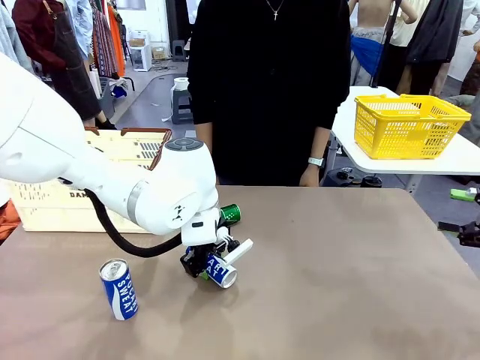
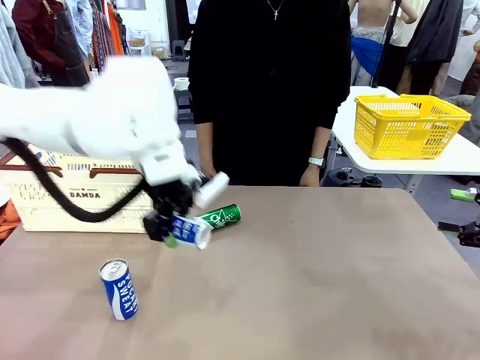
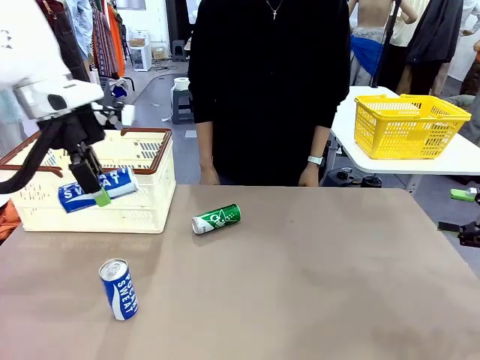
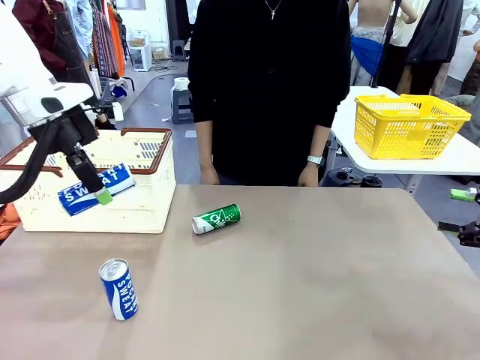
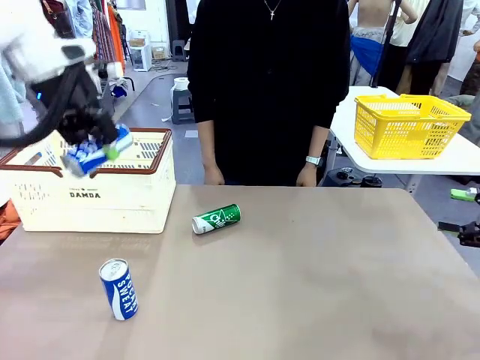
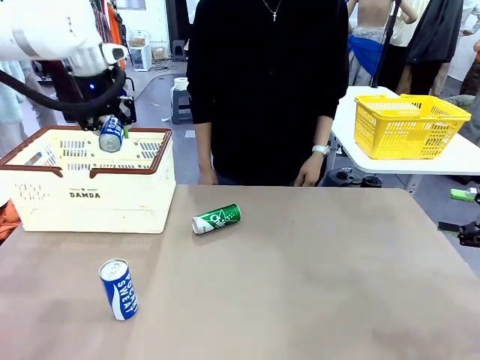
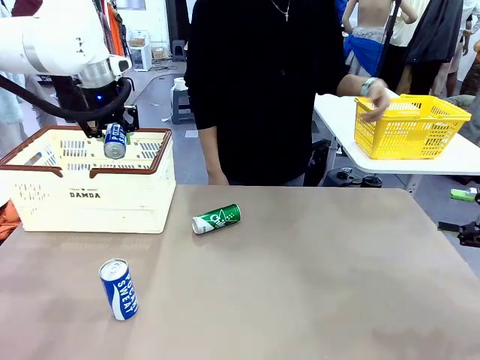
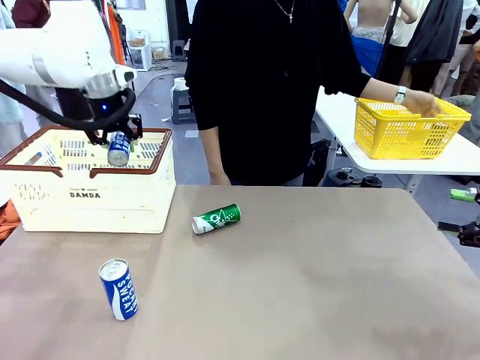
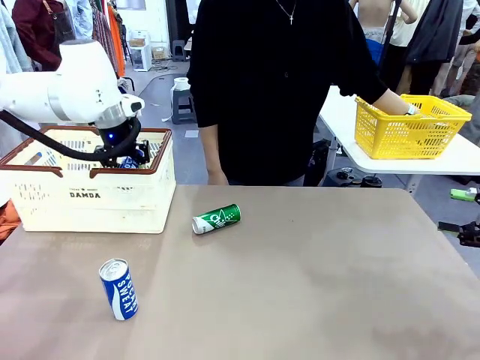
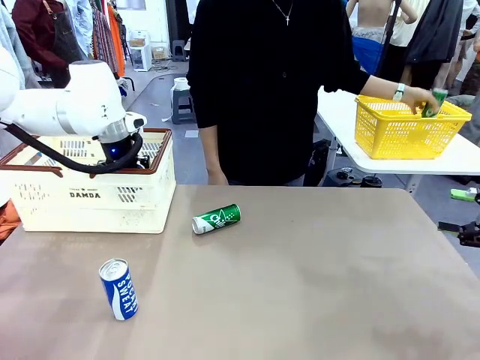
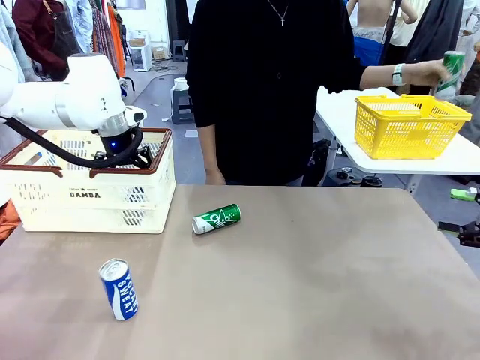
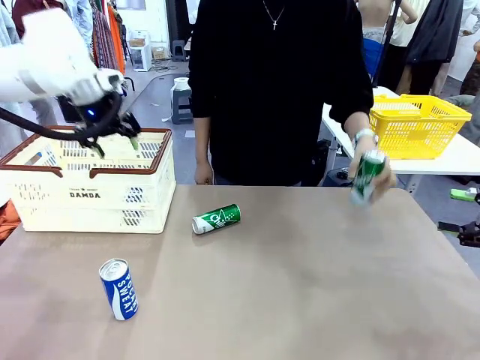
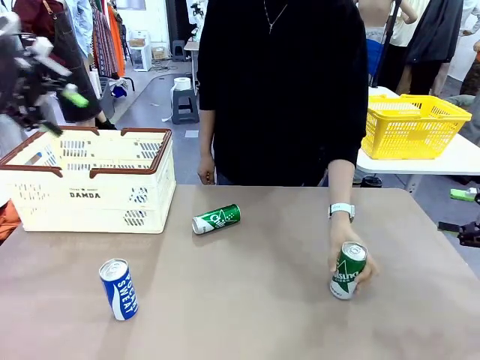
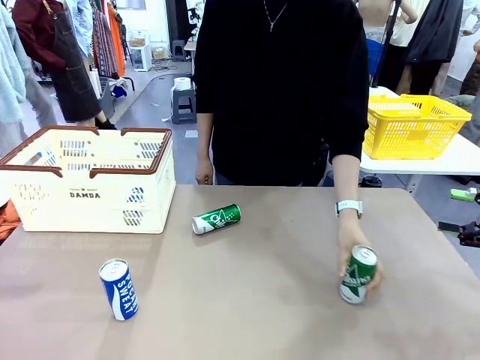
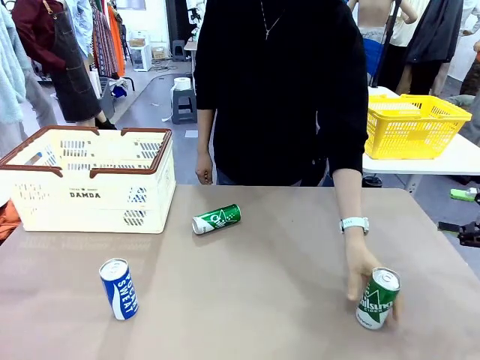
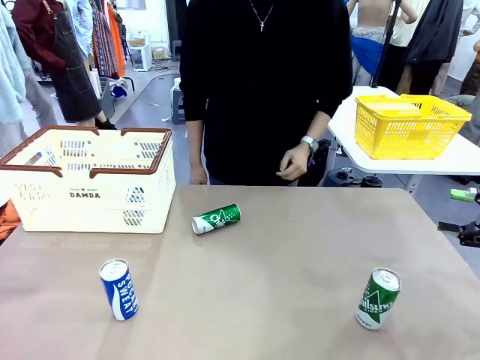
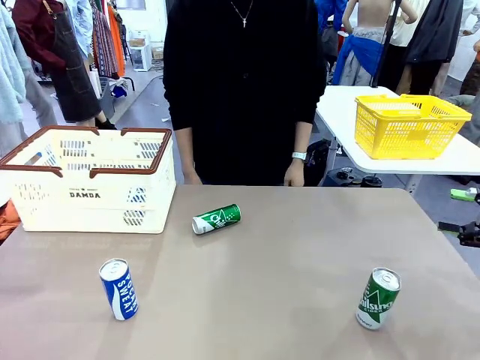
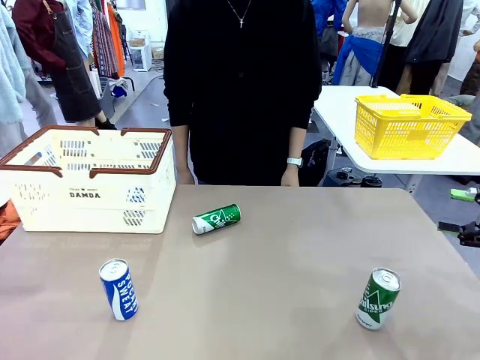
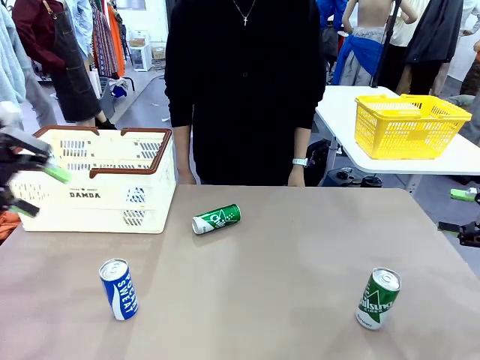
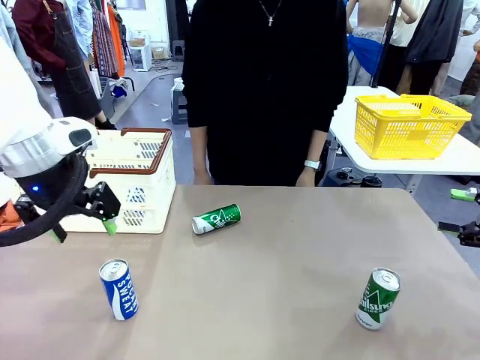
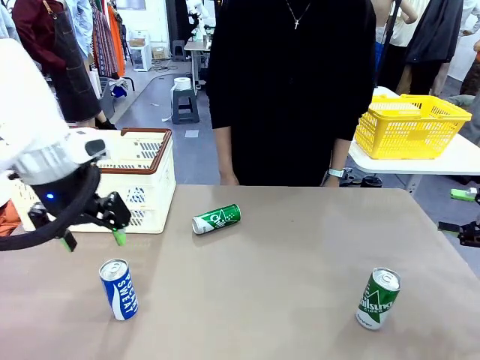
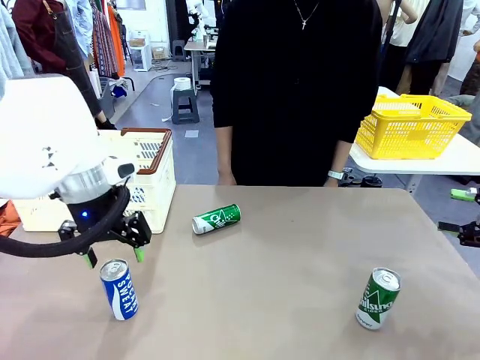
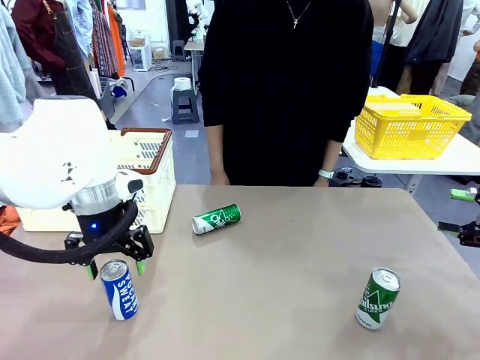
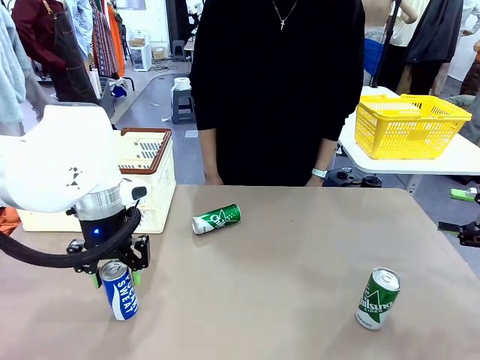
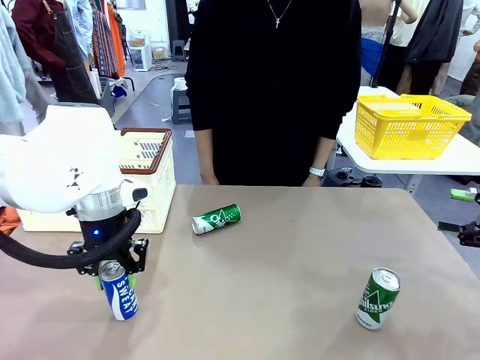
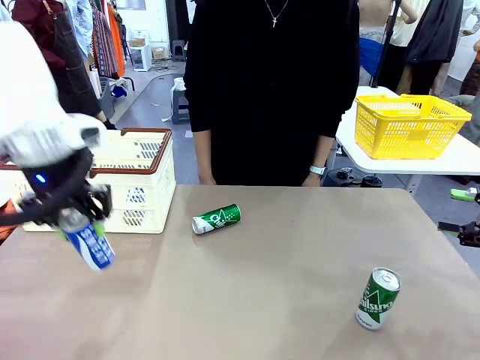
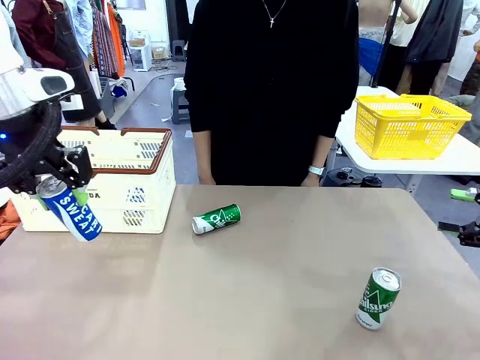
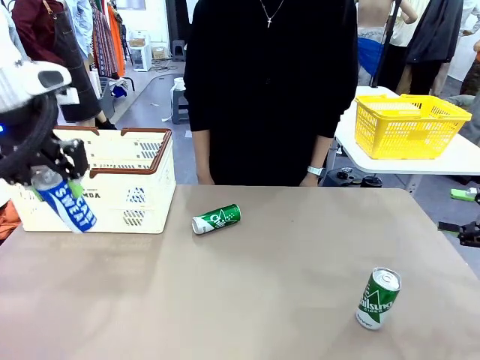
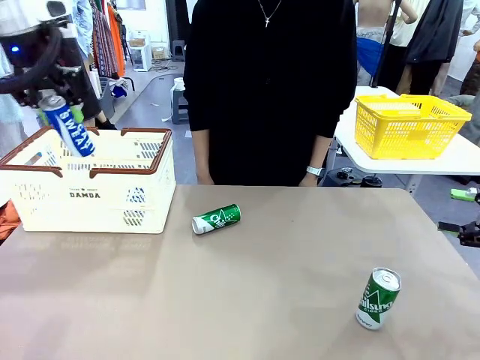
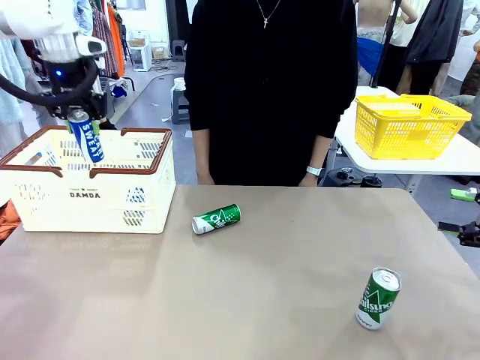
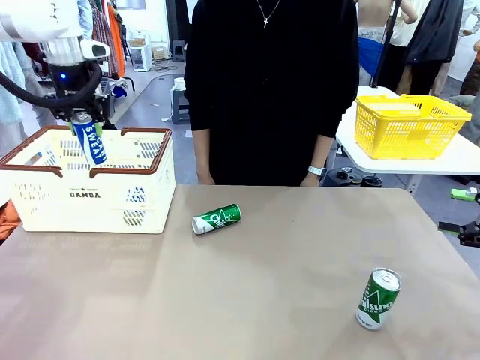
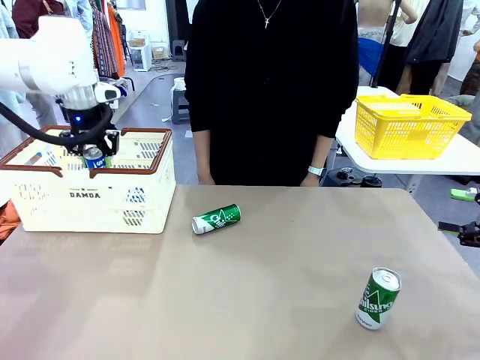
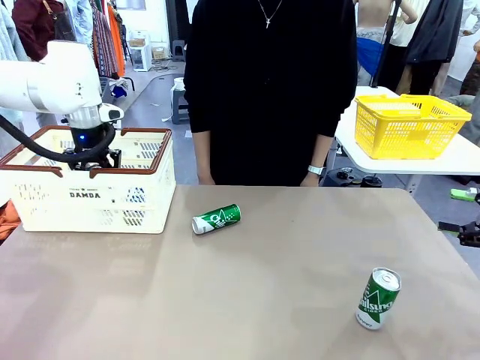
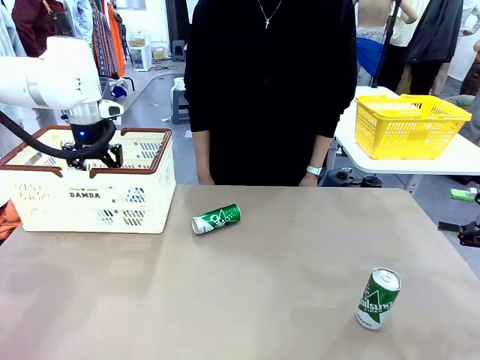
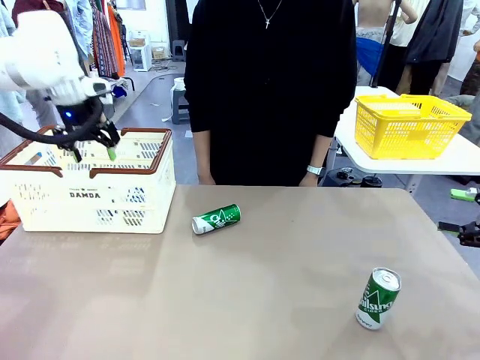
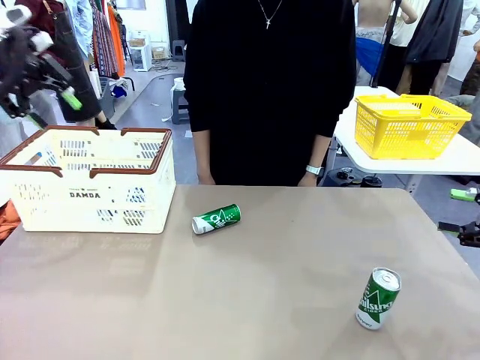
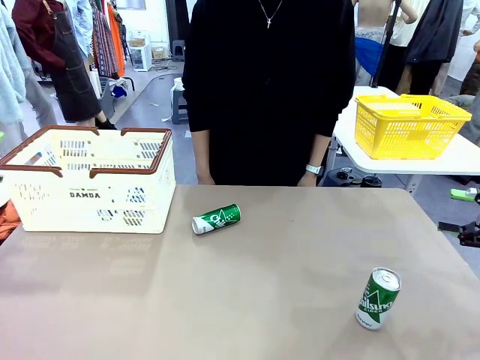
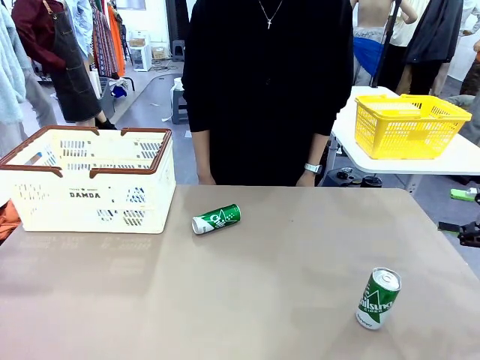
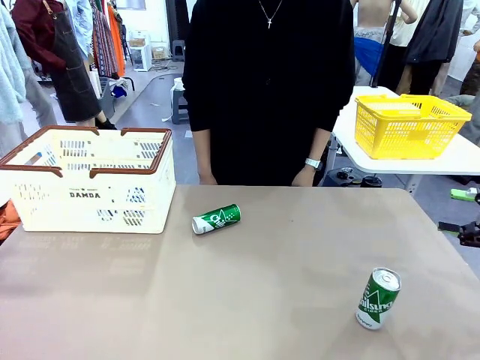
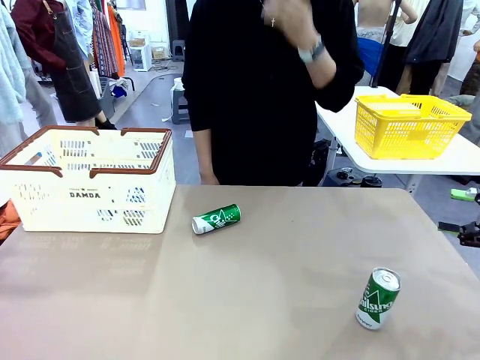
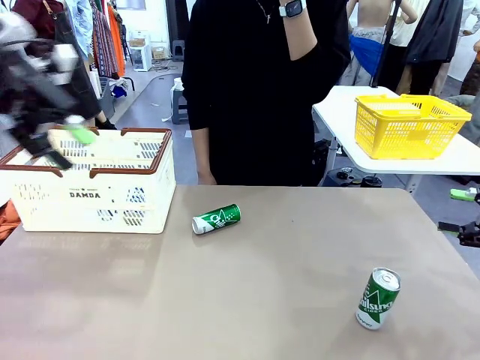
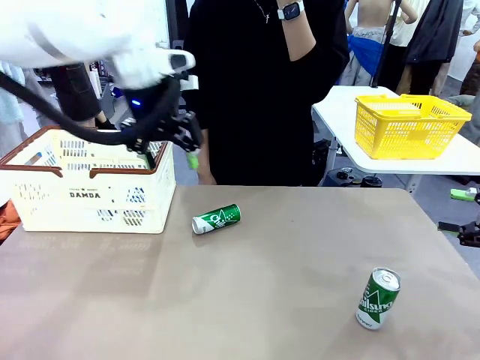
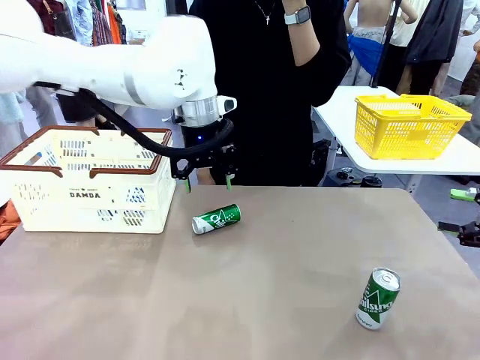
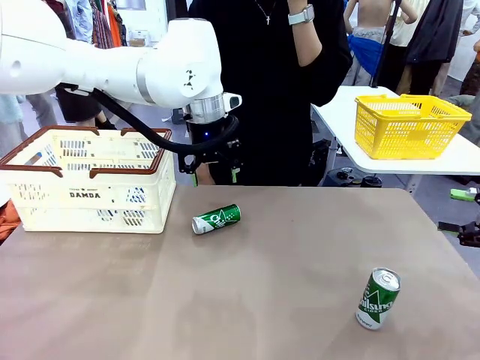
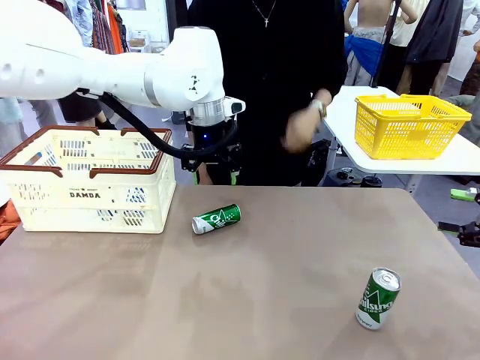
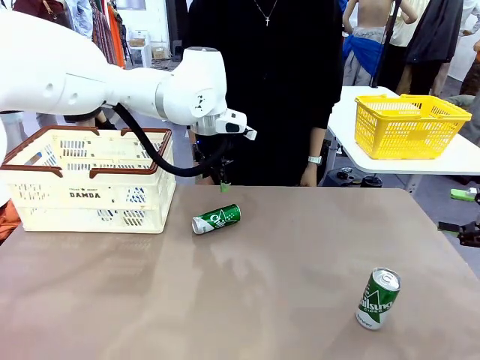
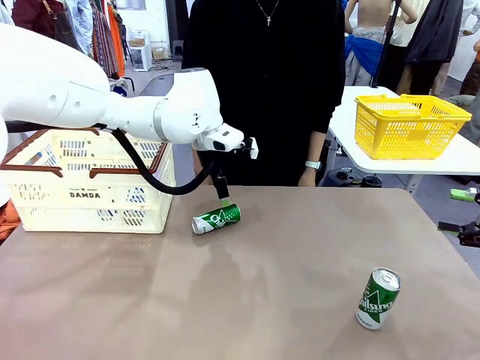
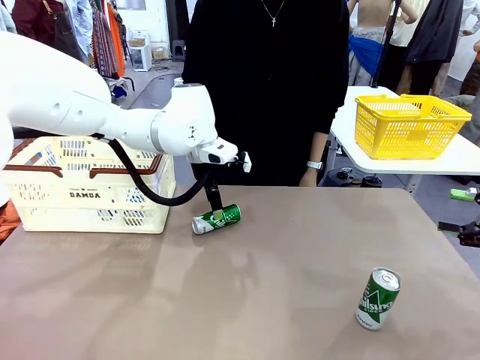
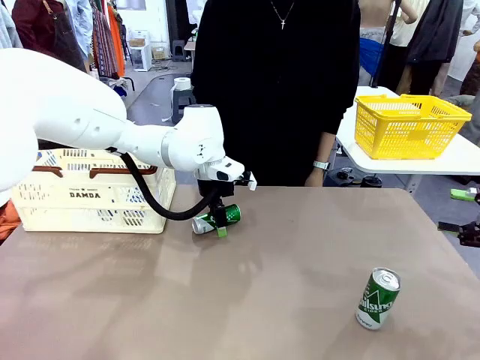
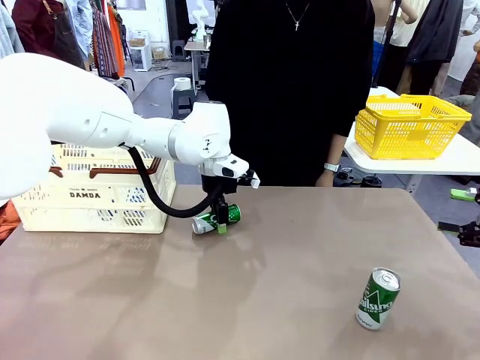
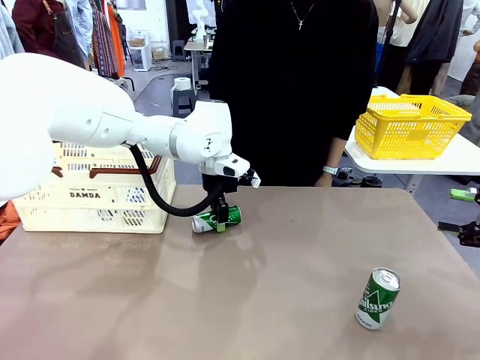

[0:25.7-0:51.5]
Task: Place the drinks into the Shopping basket.
Robot: Pick up one drink and place it into the Shopping basket.
